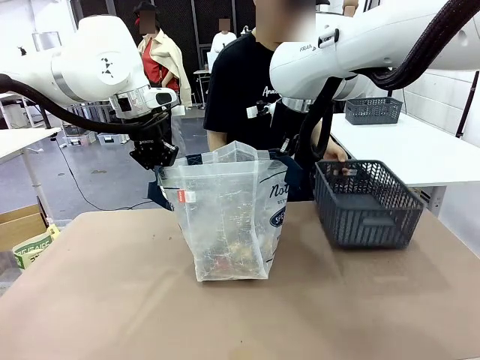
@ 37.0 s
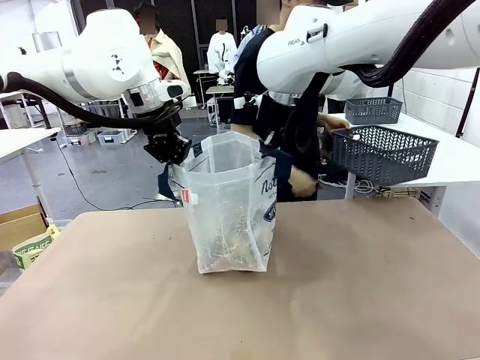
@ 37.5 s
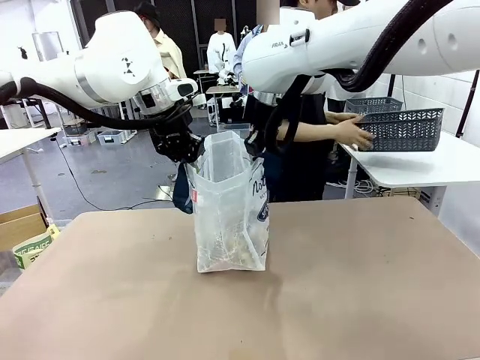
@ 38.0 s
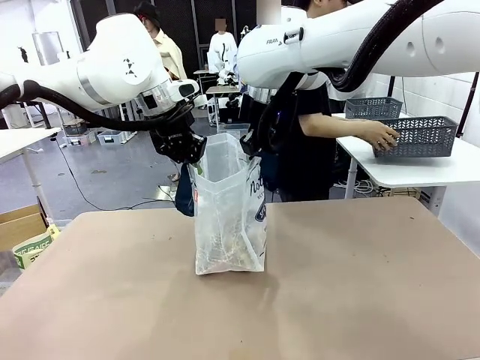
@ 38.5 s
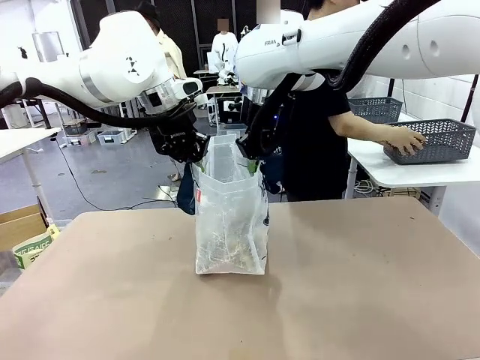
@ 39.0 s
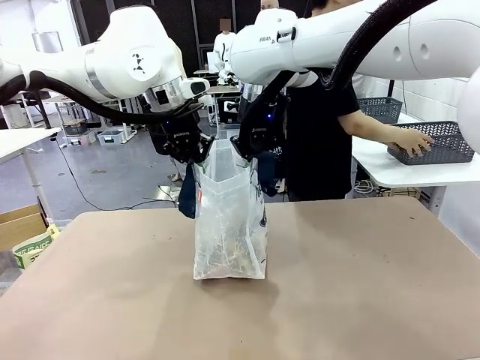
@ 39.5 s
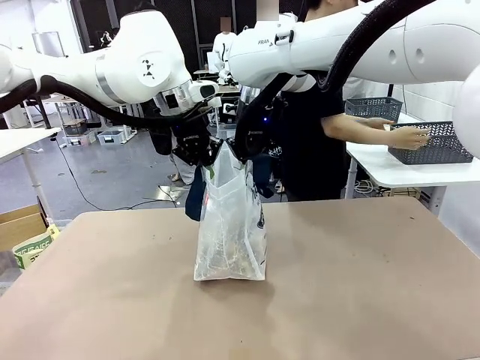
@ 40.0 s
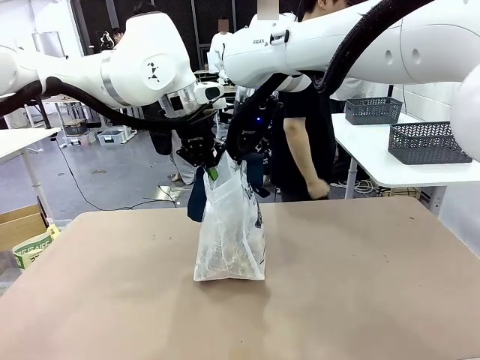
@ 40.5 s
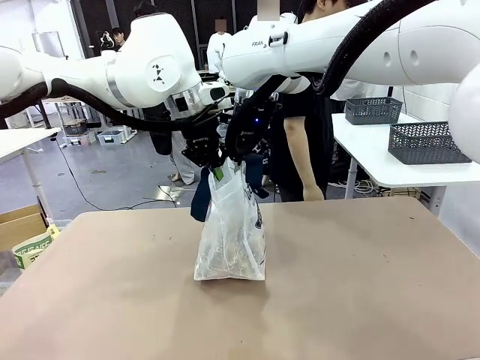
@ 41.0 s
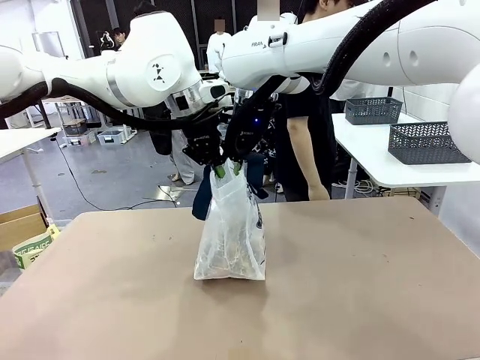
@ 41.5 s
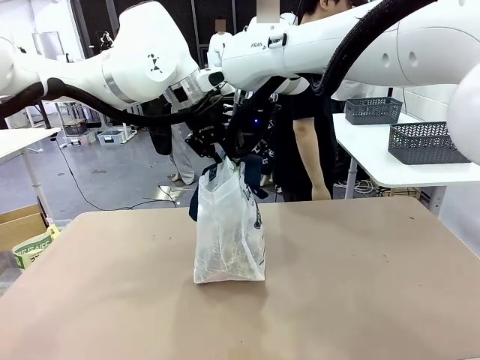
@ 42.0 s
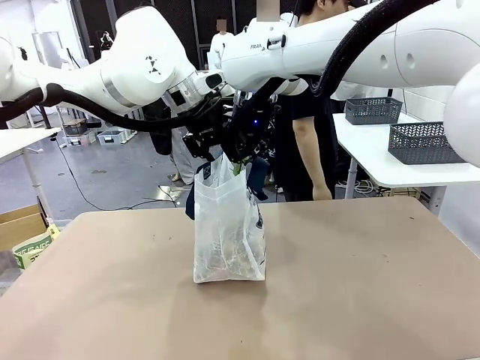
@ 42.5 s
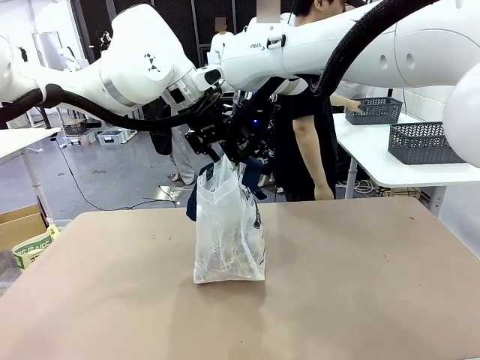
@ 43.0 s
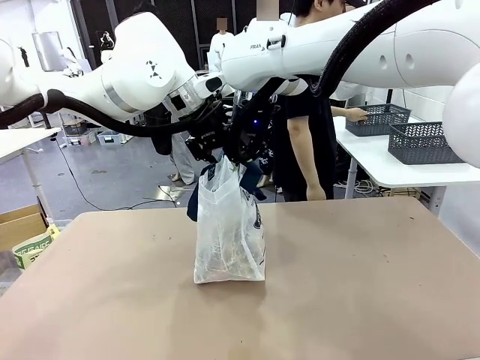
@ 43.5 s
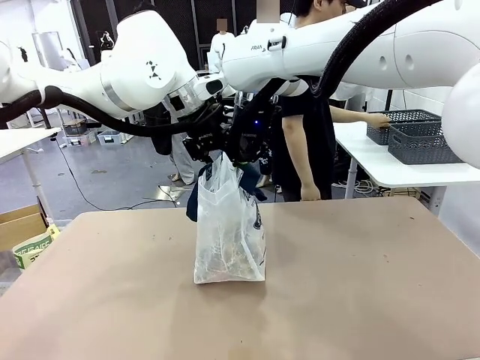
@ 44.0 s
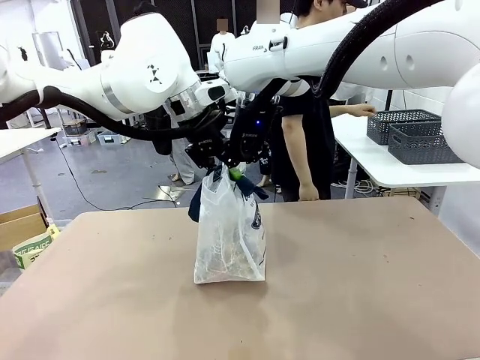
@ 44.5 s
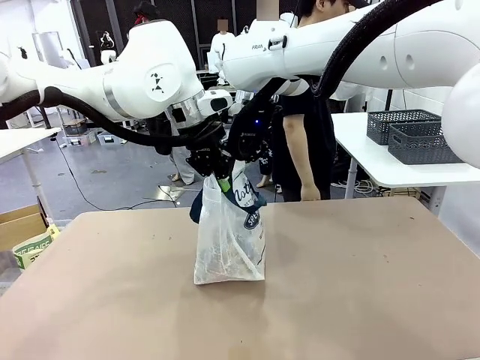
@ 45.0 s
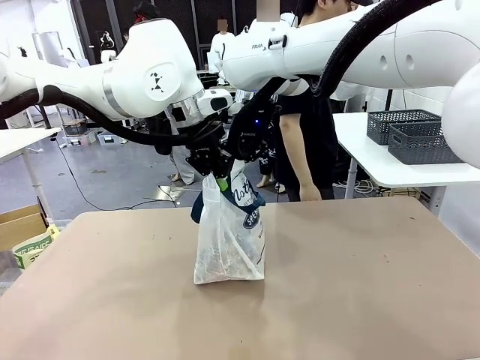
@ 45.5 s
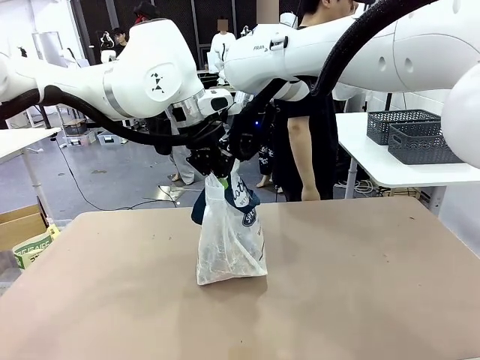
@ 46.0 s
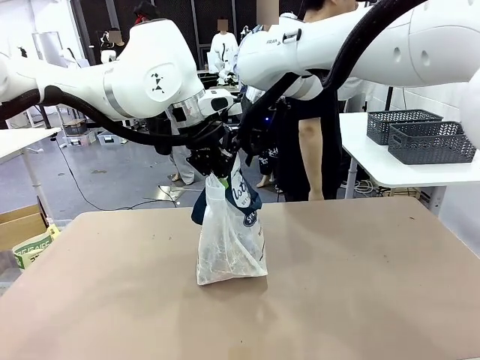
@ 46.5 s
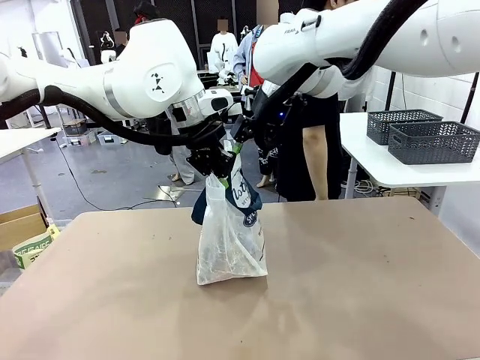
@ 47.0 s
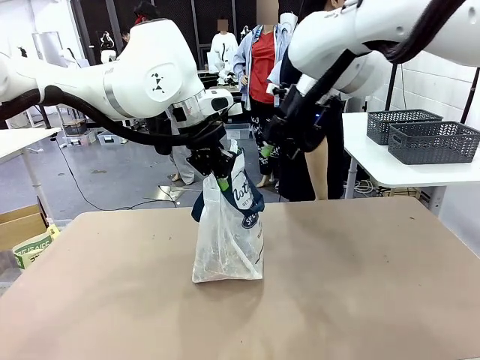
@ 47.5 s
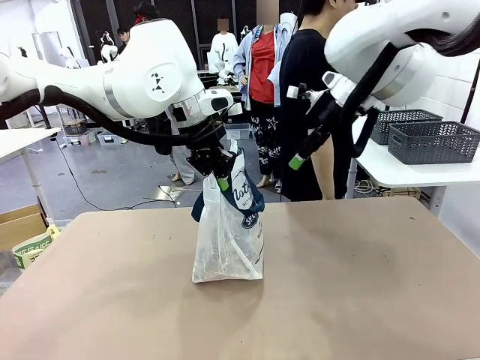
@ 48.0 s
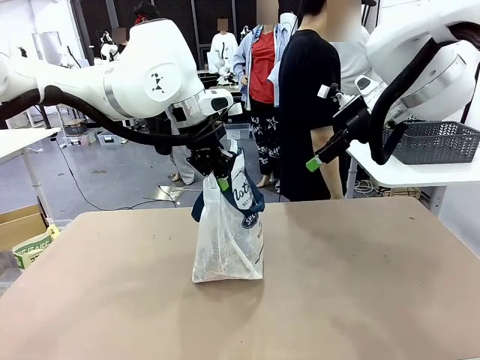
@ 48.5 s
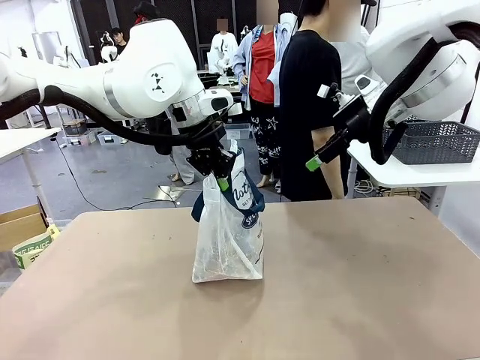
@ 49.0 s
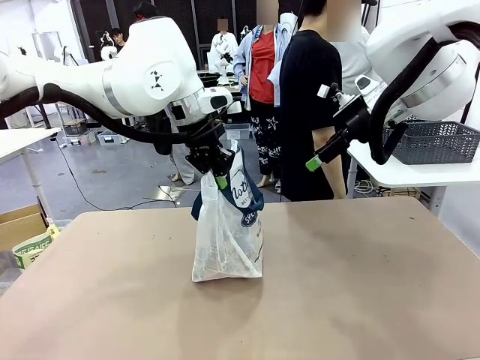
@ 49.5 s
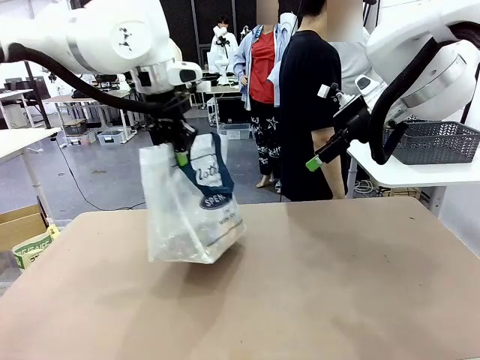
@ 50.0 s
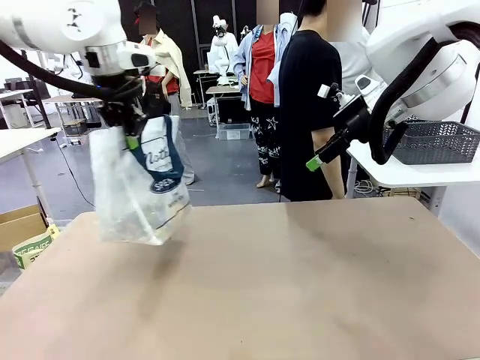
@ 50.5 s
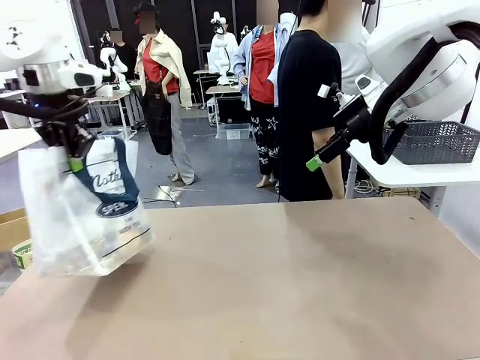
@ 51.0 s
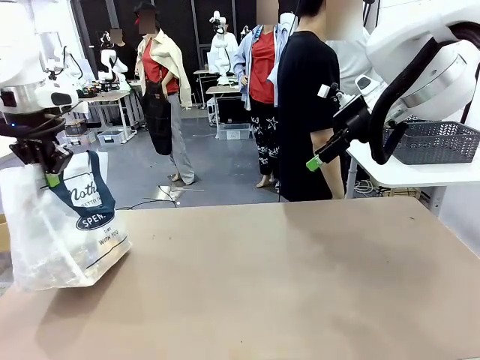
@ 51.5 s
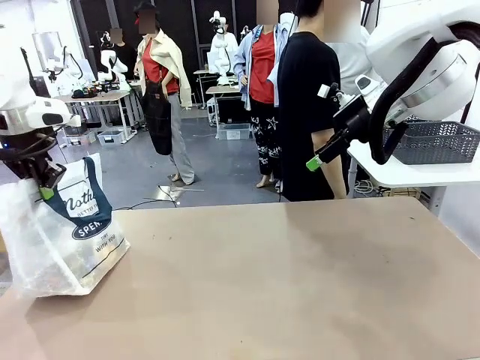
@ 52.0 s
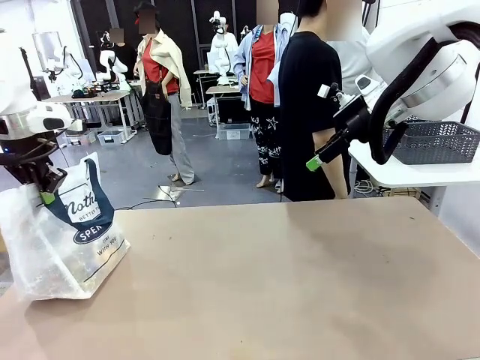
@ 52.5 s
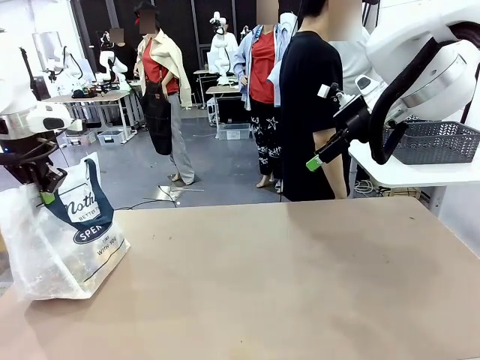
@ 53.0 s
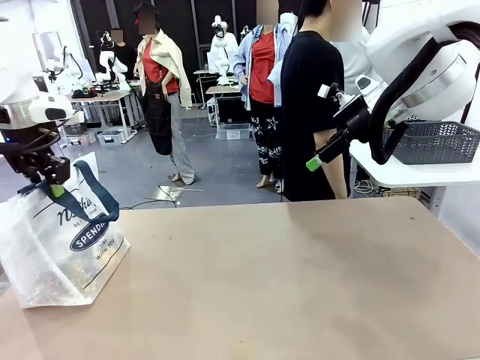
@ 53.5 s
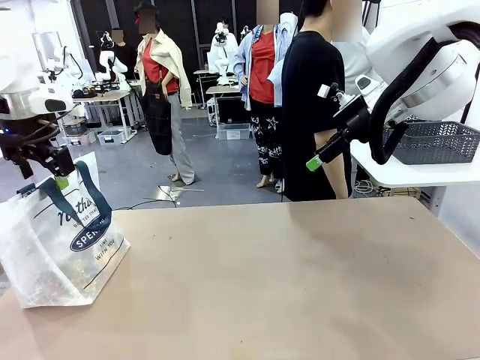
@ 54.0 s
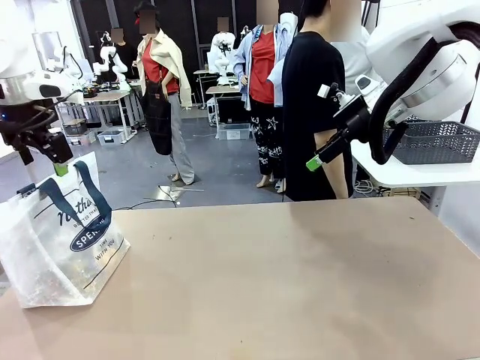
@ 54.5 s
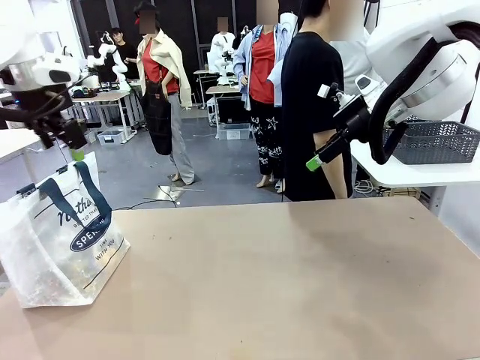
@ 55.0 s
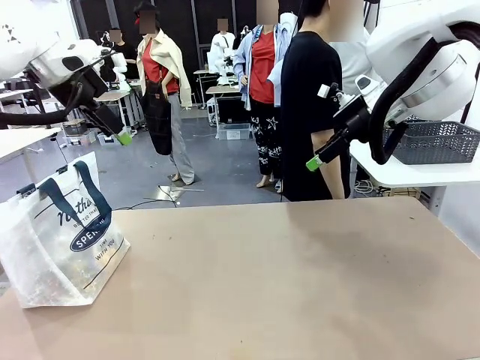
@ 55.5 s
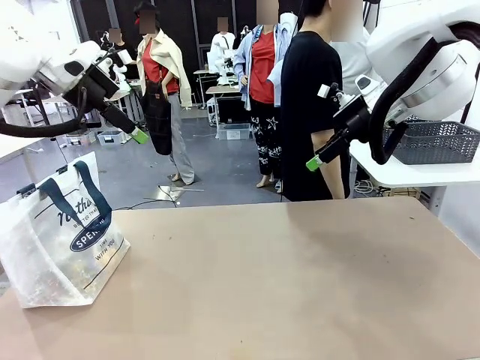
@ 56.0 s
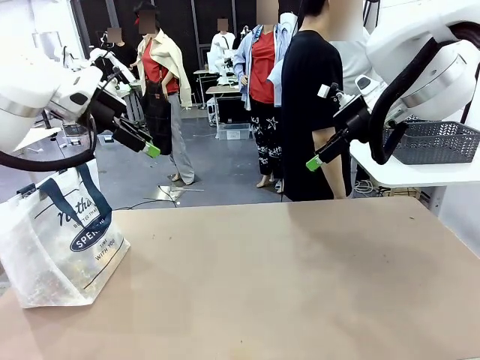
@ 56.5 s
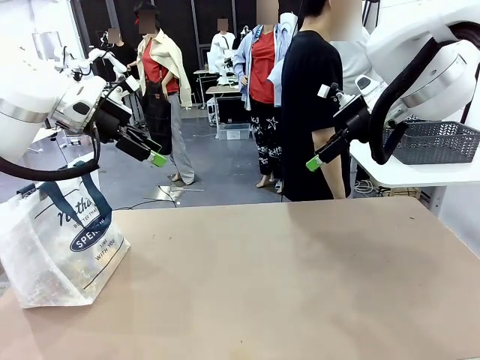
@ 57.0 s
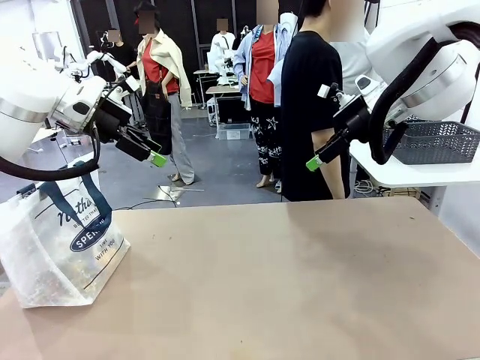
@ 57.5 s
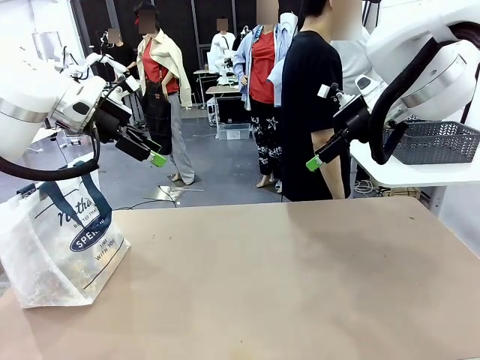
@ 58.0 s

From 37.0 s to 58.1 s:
Task: Transfer purchased items from the store into the shopping bag.
Robot: Move the Reusable shopping bag to the right side of the table.
Person: Pick up the basket with the items out and place it on the right side of the human table. Move the basket on the left to the middle of the person's table.
